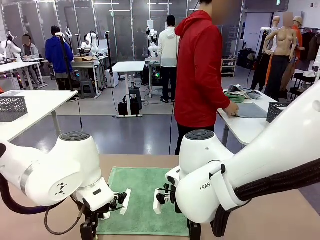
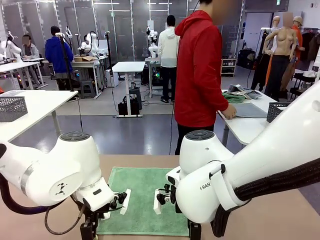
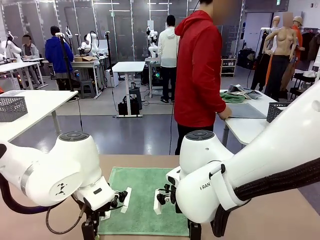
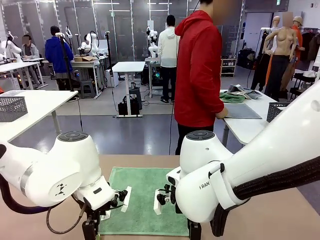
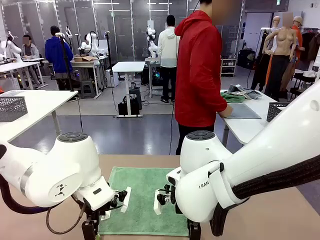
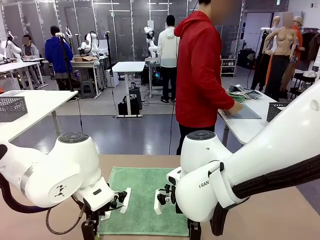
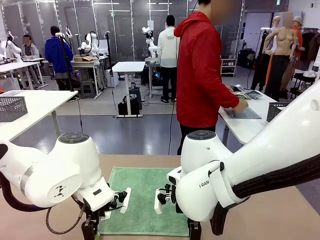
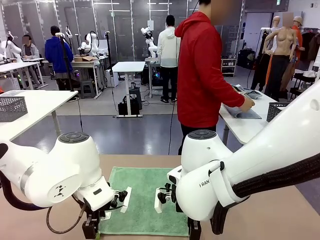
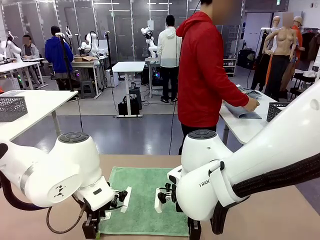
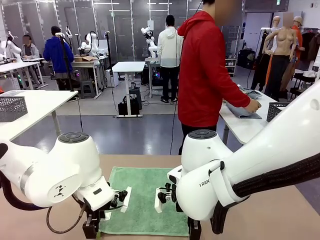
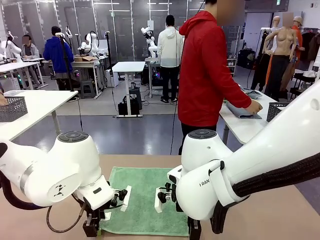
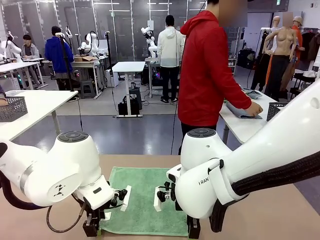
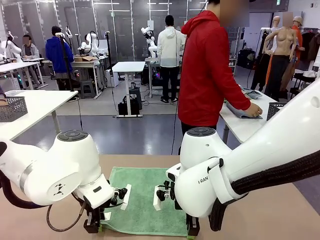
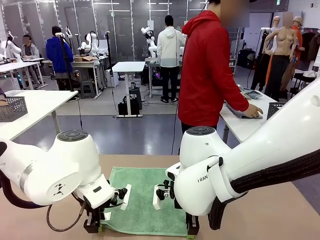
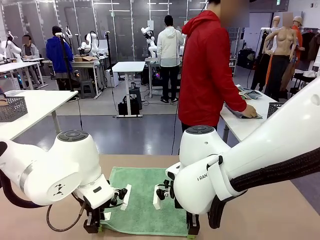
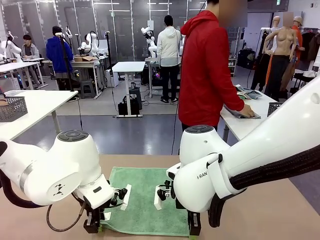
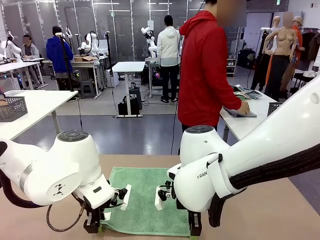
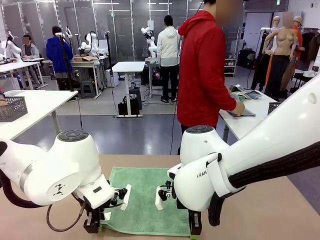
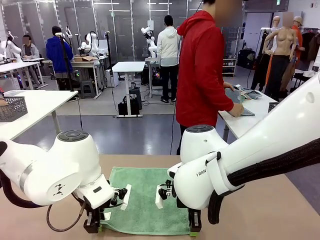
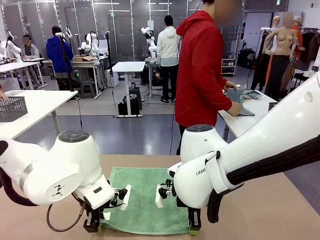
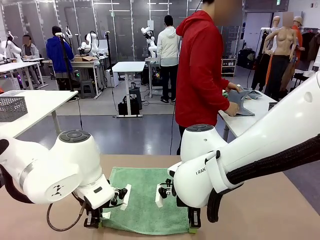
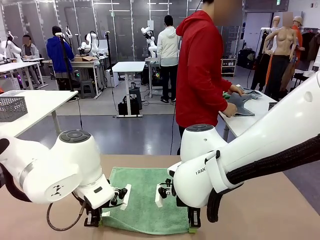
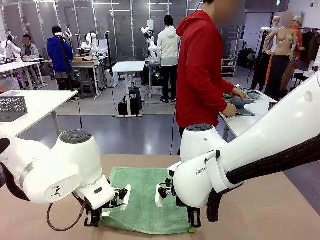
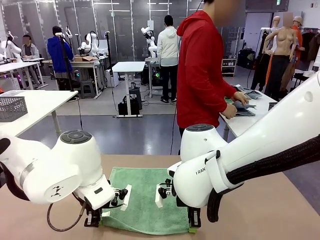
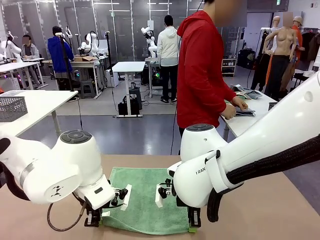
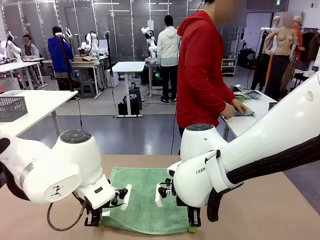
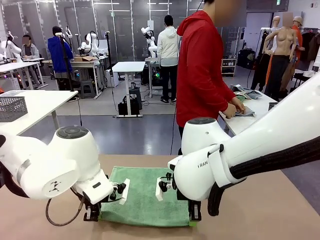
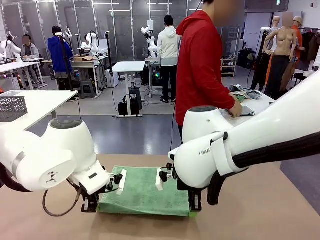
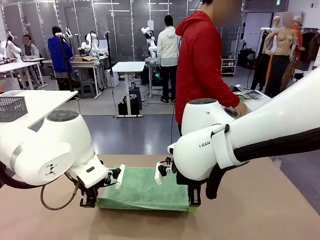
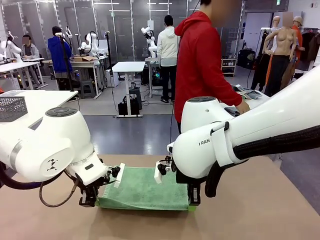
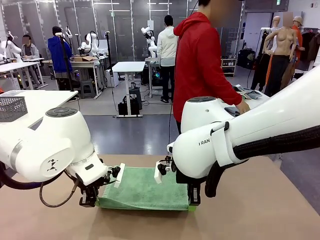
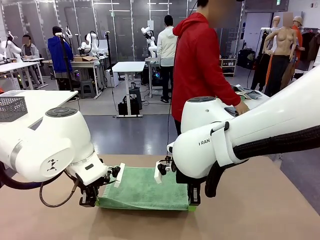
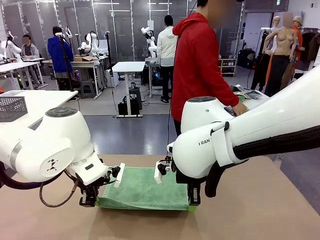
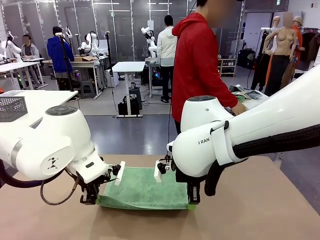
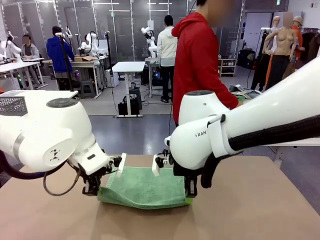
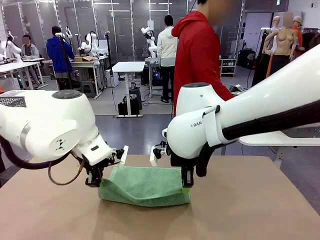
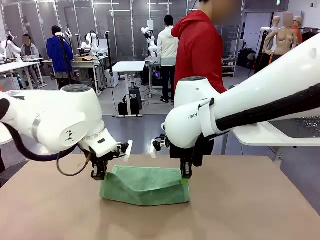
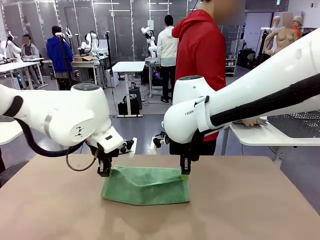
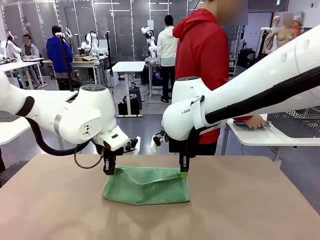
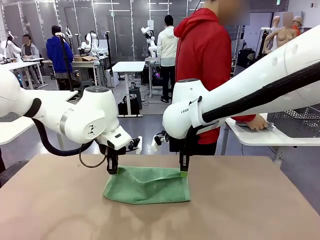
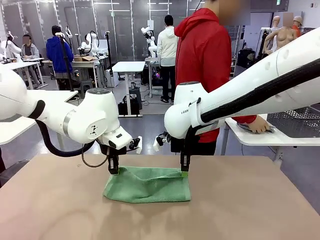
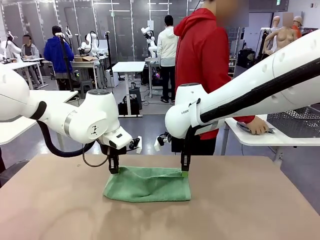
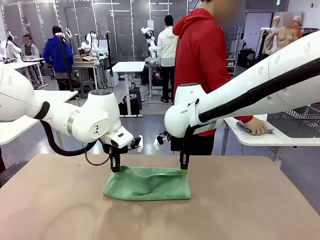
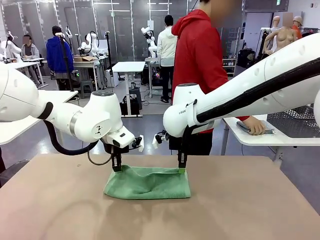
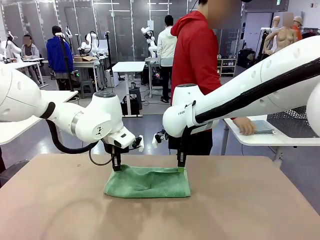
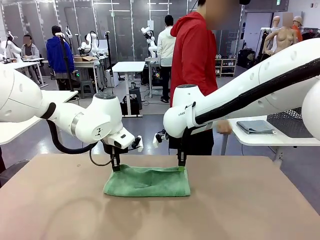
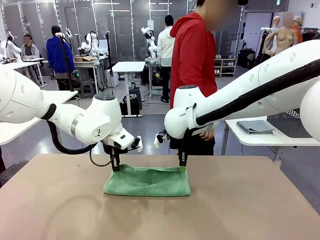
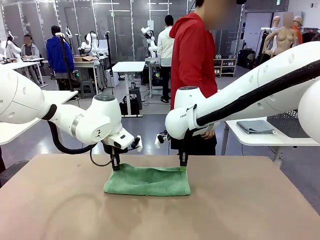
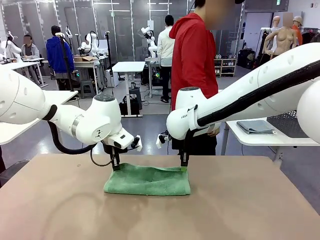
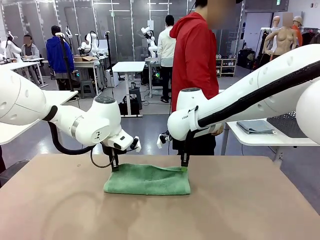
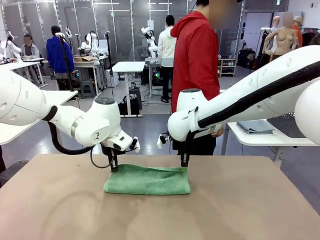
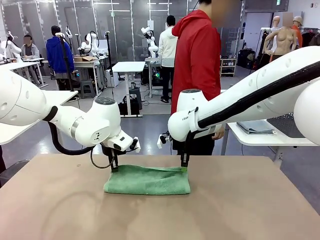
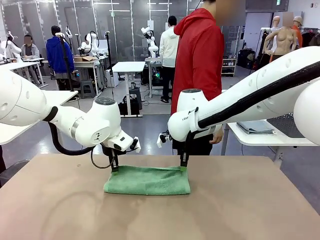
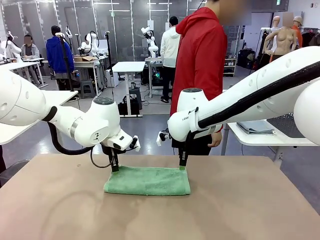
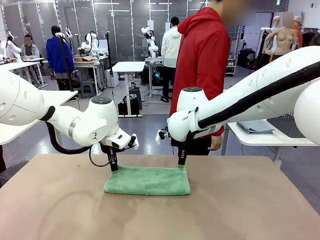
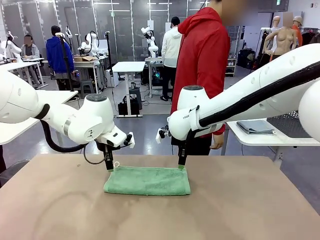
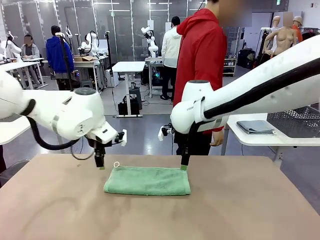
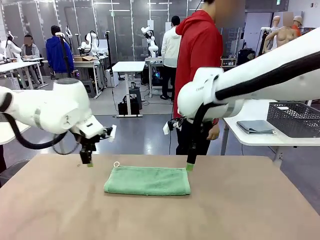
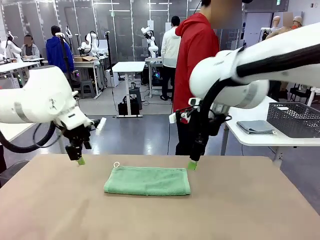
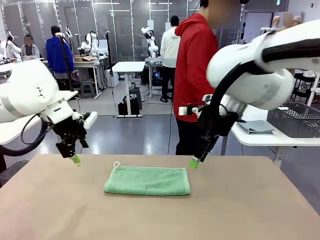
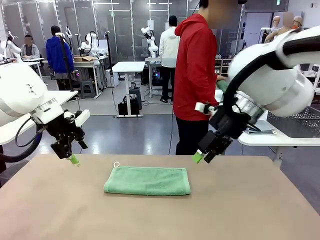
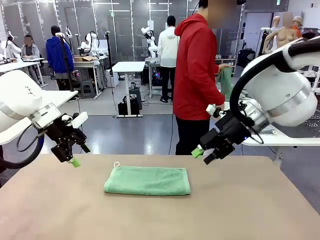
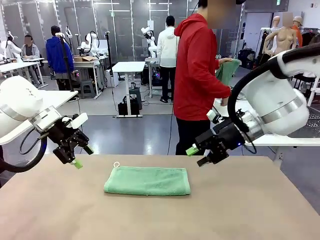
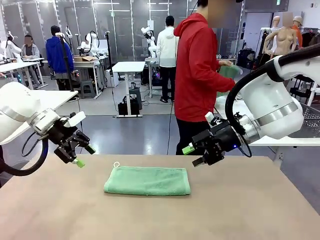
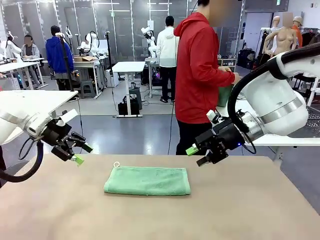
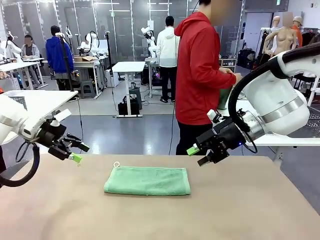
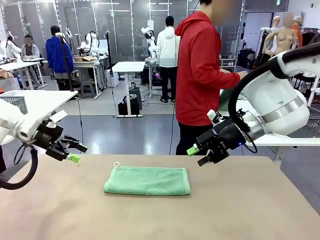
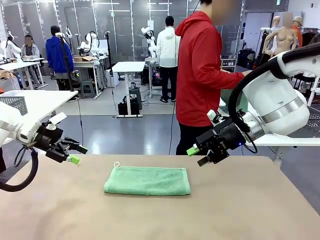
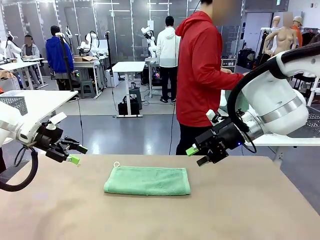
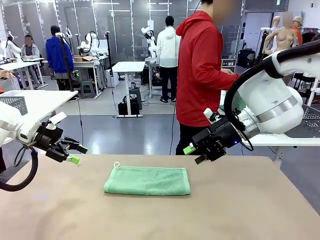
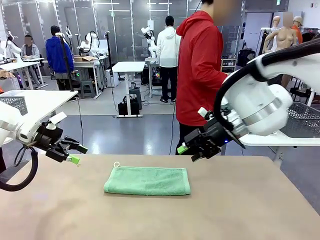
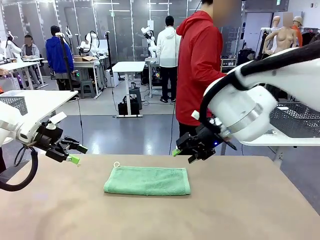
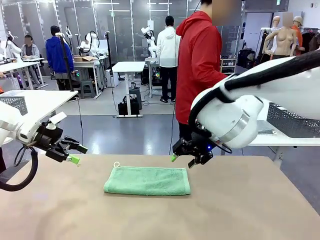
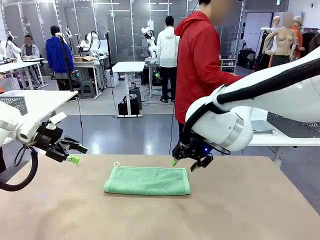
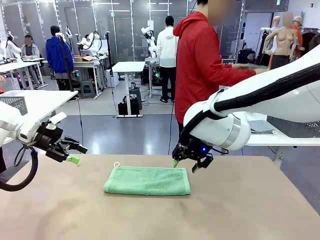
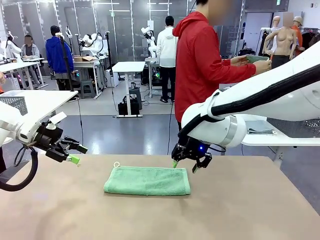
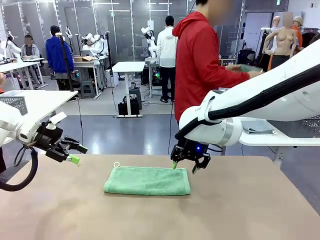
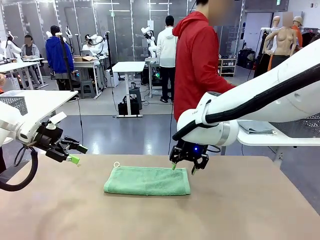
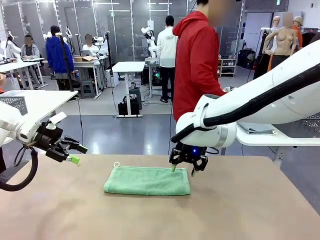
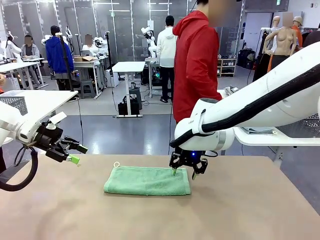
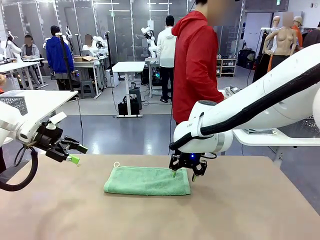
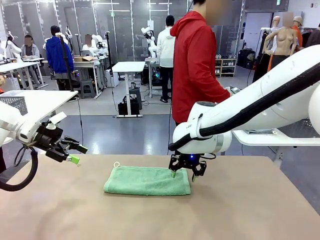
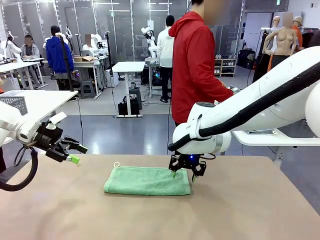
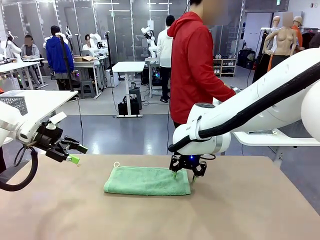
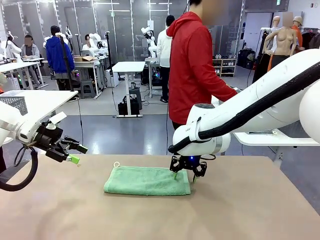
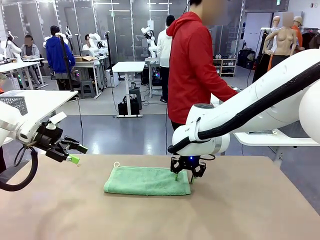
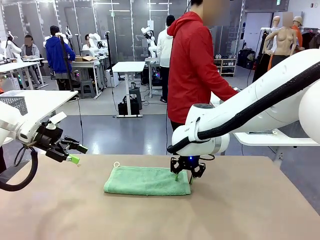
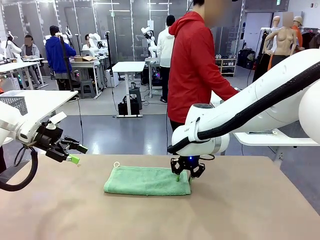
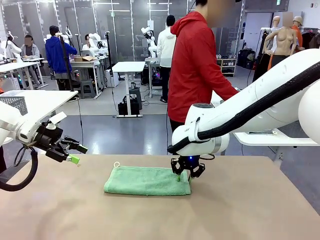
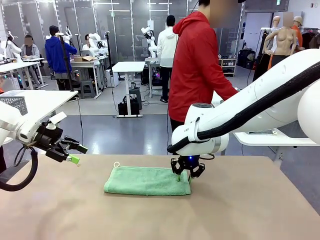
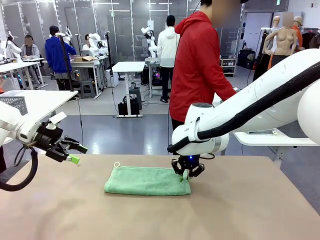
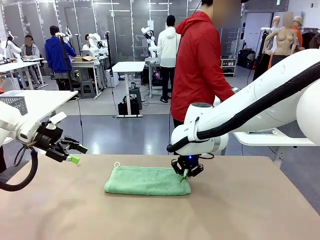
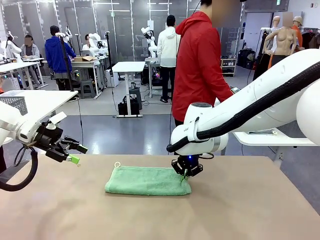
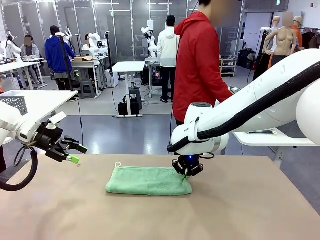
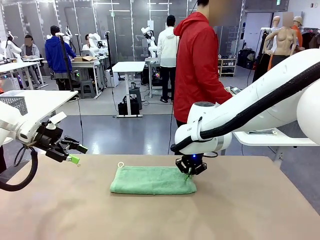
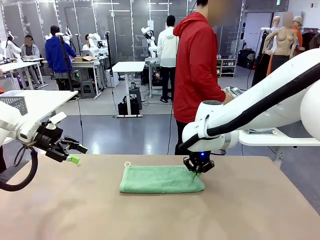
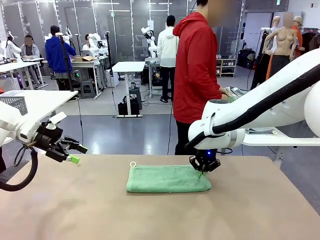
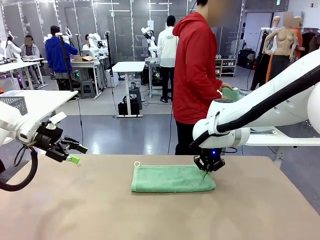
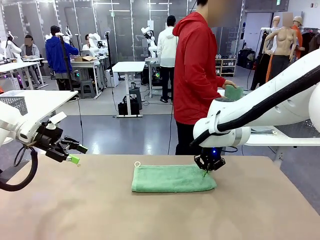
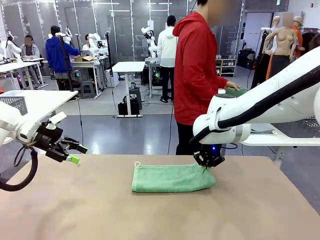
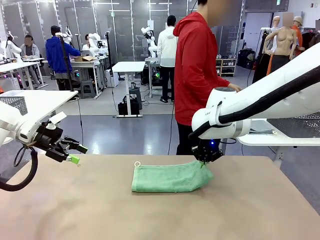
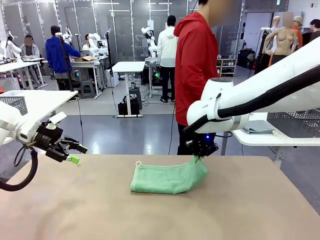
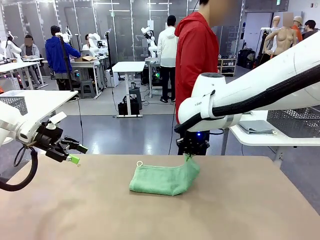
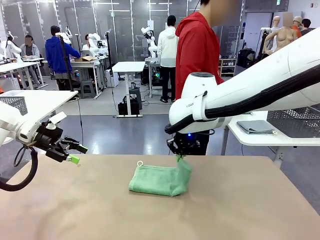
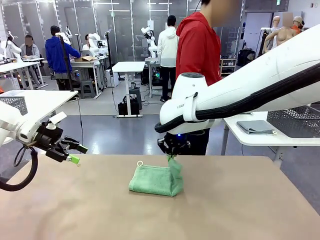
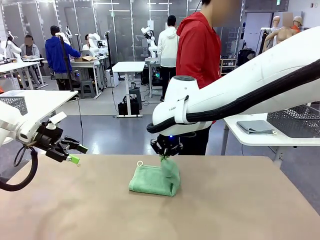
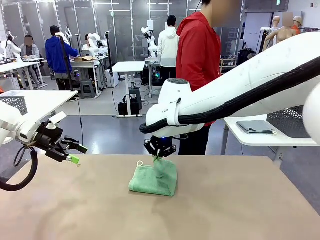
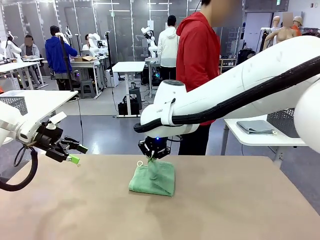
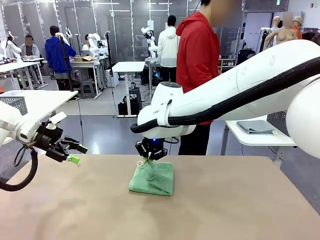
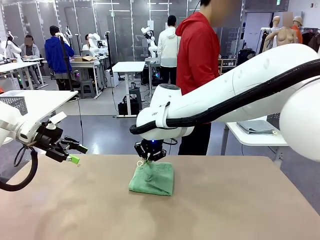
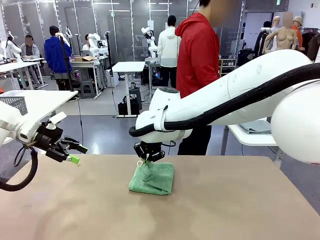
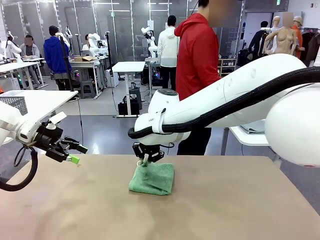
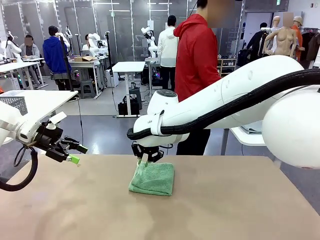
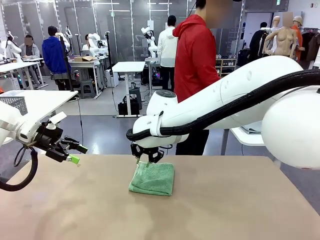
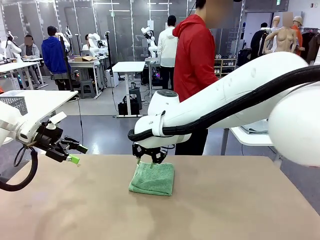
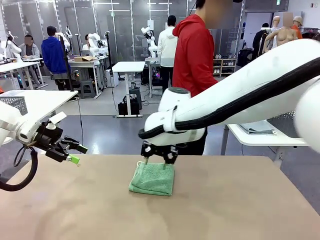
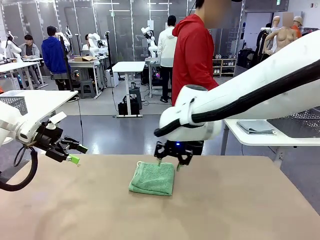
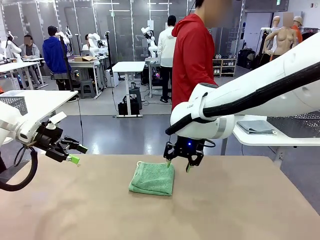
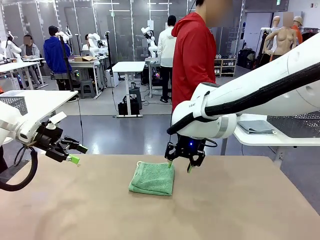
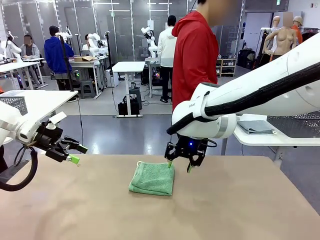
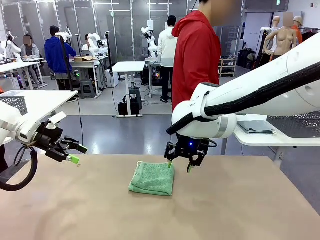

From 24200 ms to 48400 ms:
Task: Fold the towels and place them in the basket.
Robot: When a person lays out a Towel with hook on the table, fold it in half twice.
Person: Pick up one towel from the left side of the human table, fold it in half twice, and place it on the right side of the table. Pick up one towel from the left side of the human table, fold it in half twice, and stack it on the right side of the table.
